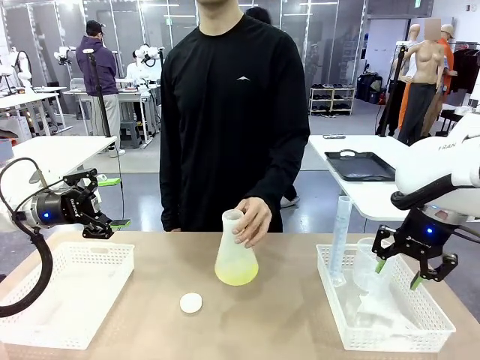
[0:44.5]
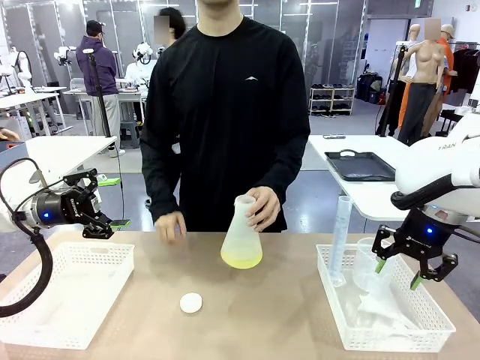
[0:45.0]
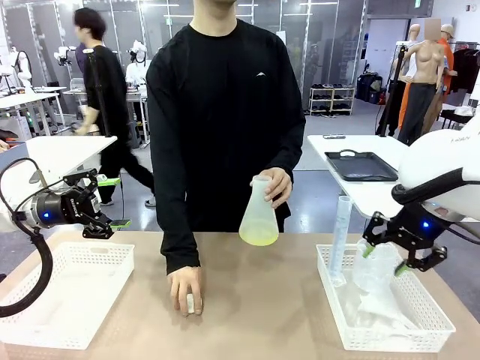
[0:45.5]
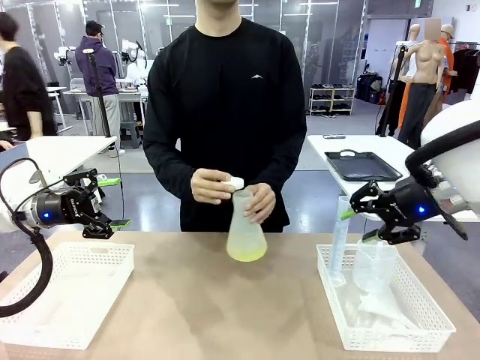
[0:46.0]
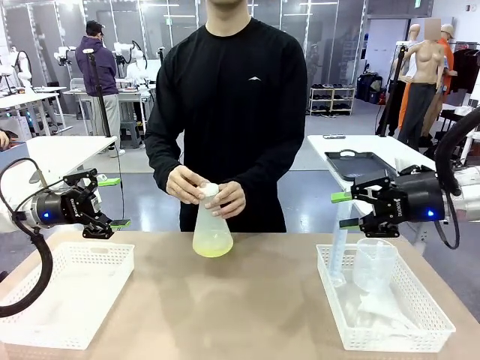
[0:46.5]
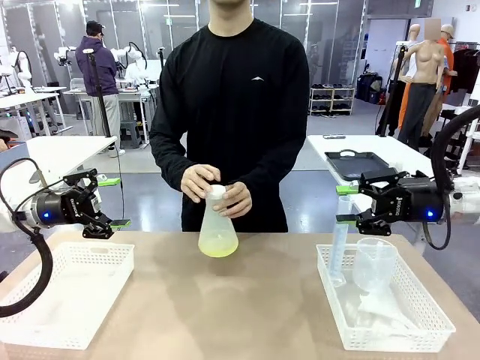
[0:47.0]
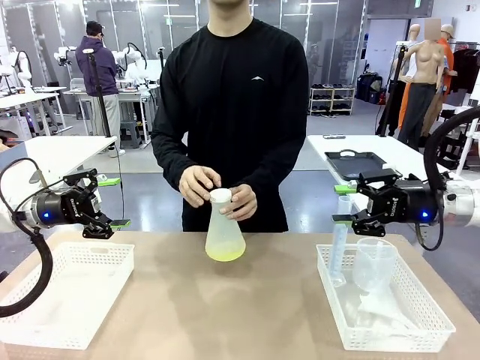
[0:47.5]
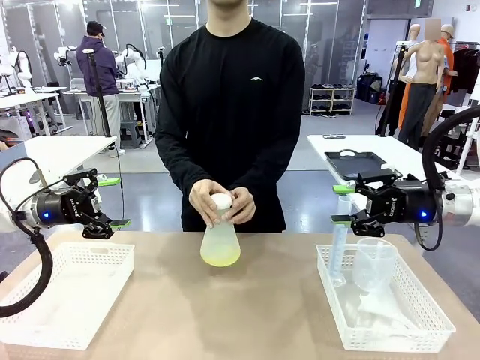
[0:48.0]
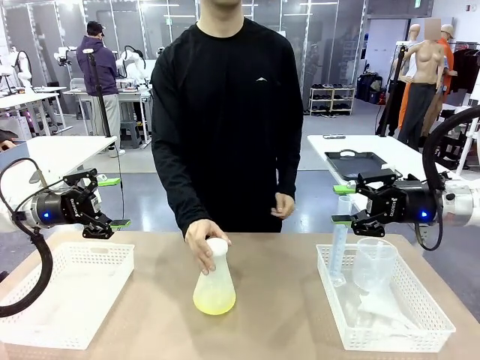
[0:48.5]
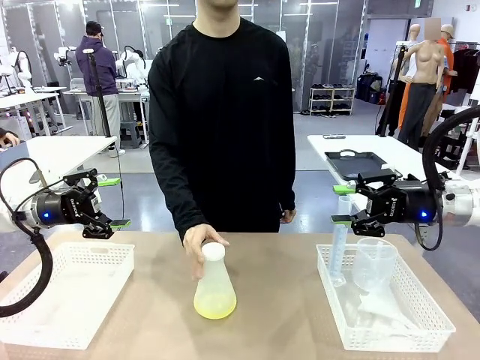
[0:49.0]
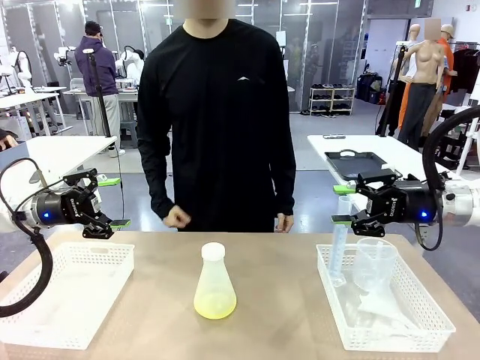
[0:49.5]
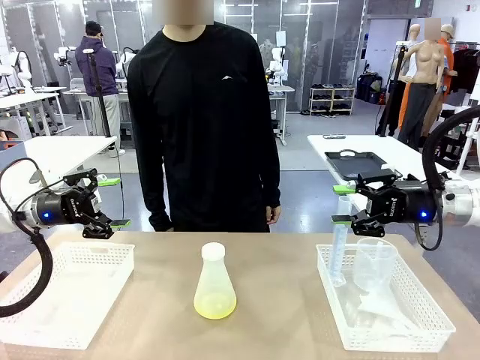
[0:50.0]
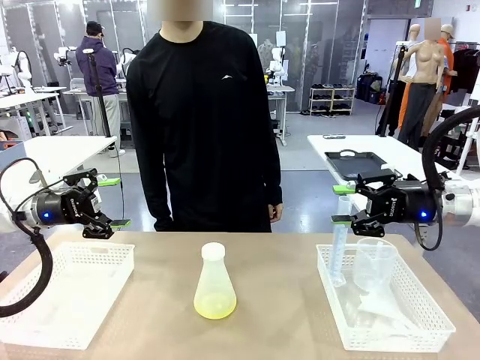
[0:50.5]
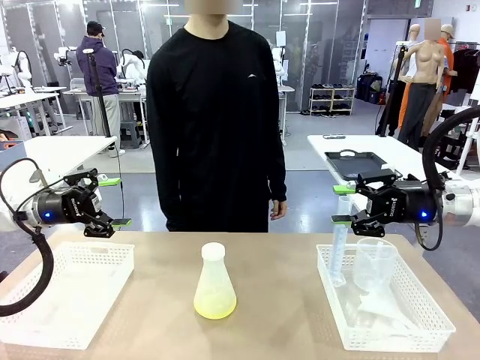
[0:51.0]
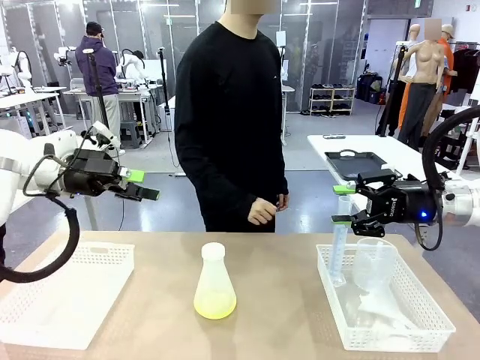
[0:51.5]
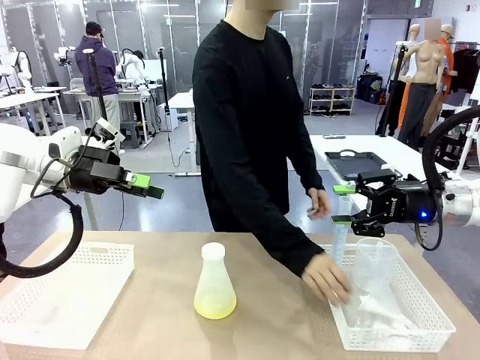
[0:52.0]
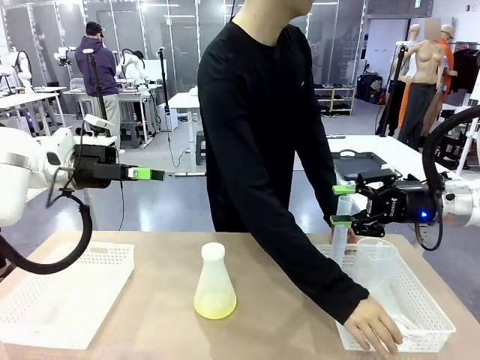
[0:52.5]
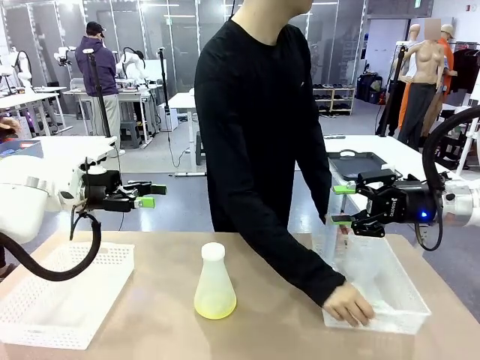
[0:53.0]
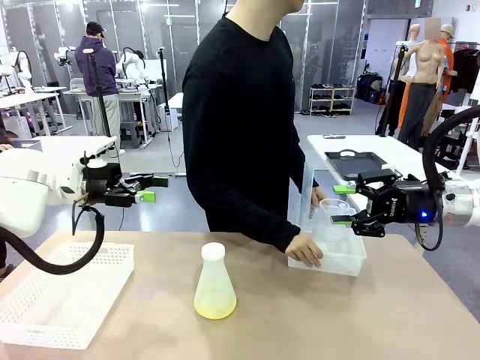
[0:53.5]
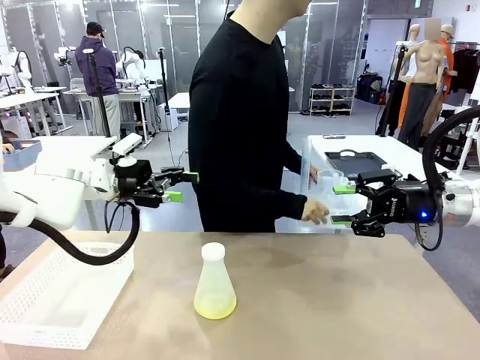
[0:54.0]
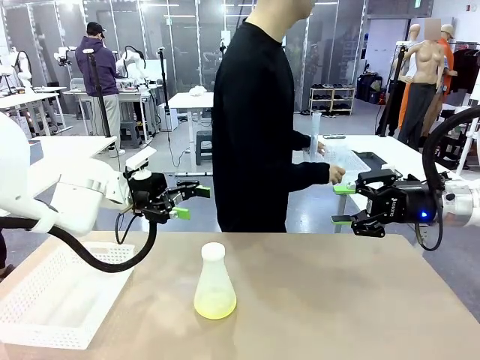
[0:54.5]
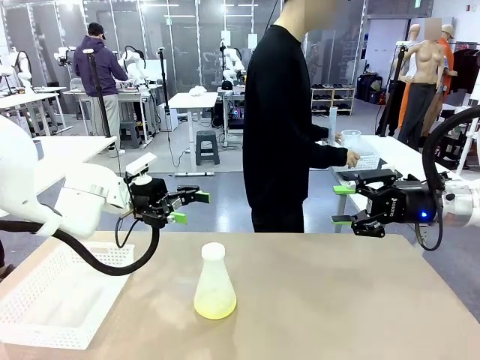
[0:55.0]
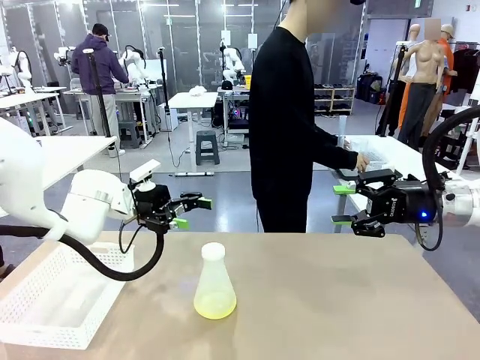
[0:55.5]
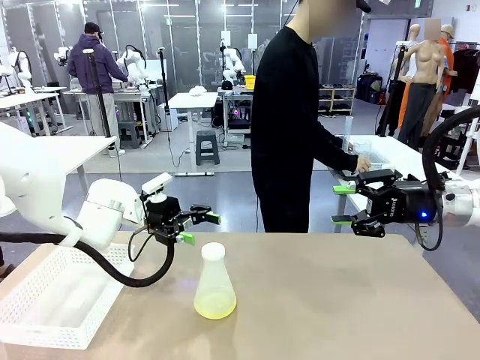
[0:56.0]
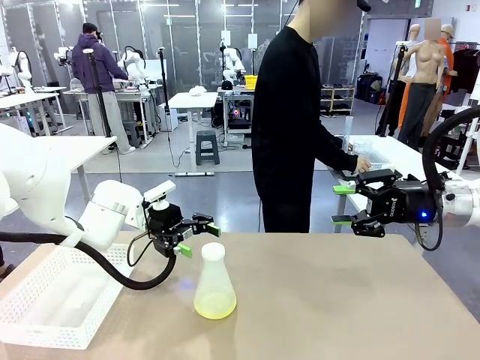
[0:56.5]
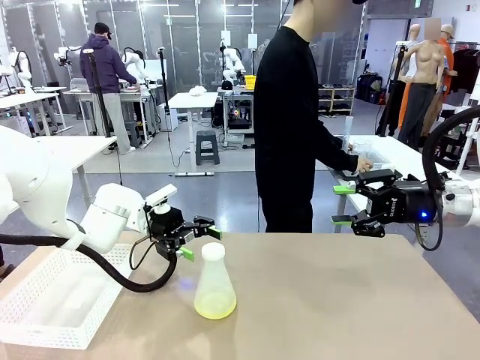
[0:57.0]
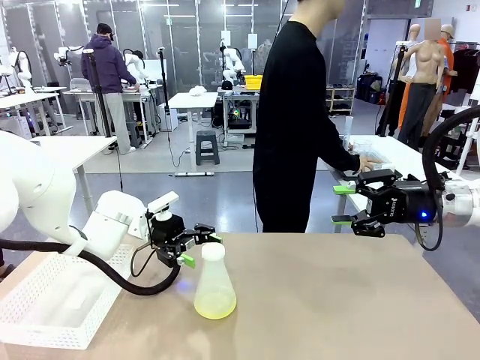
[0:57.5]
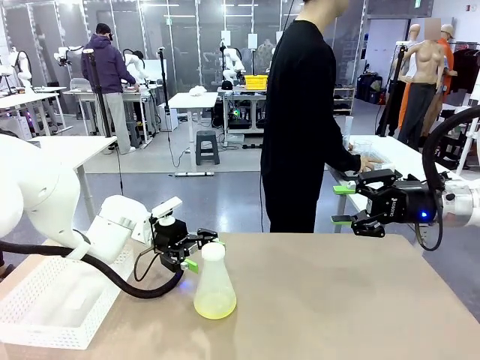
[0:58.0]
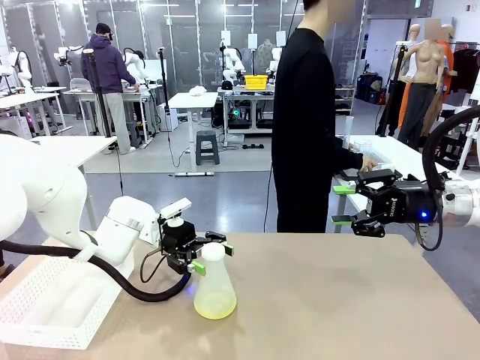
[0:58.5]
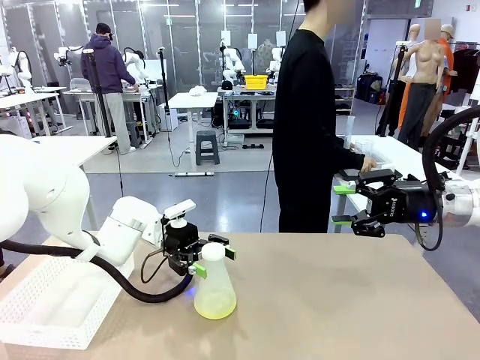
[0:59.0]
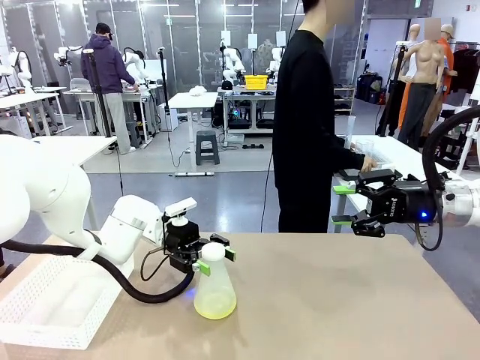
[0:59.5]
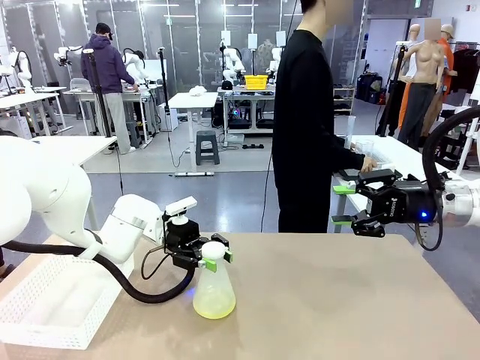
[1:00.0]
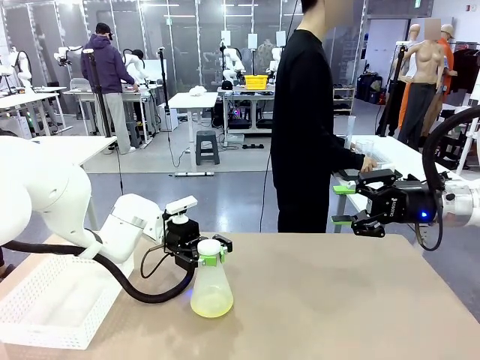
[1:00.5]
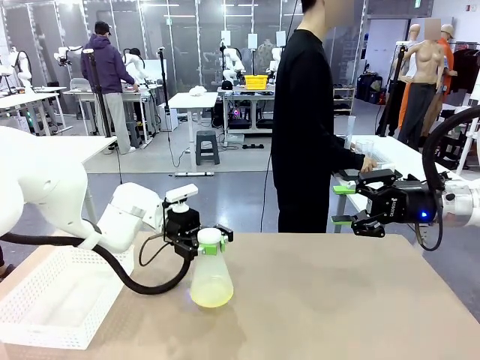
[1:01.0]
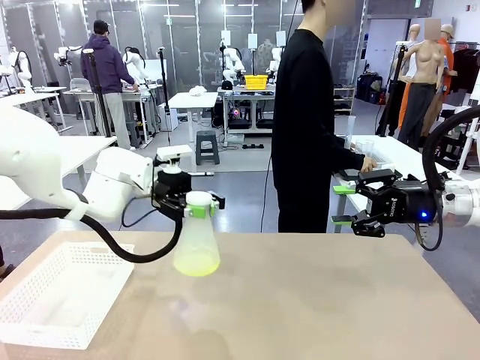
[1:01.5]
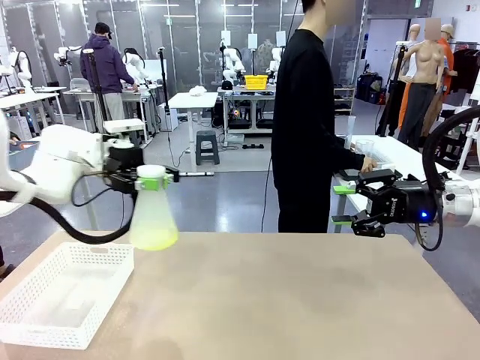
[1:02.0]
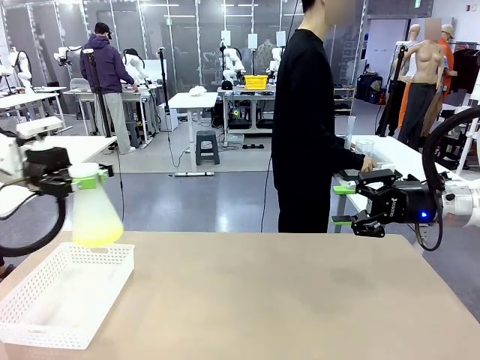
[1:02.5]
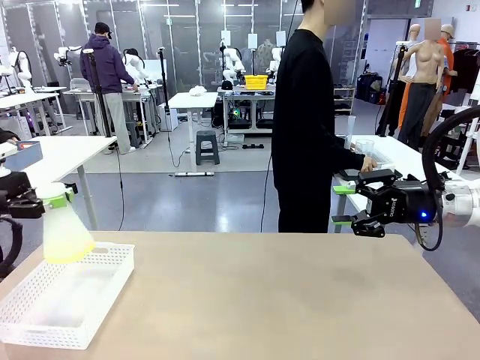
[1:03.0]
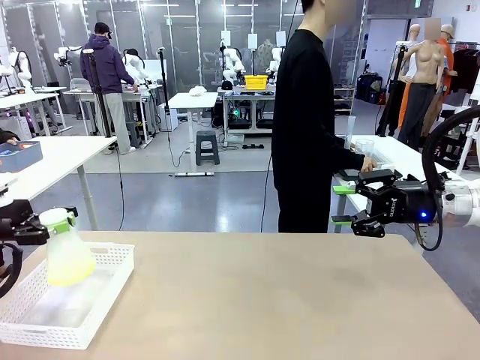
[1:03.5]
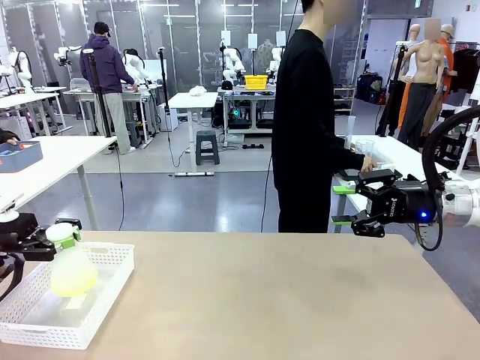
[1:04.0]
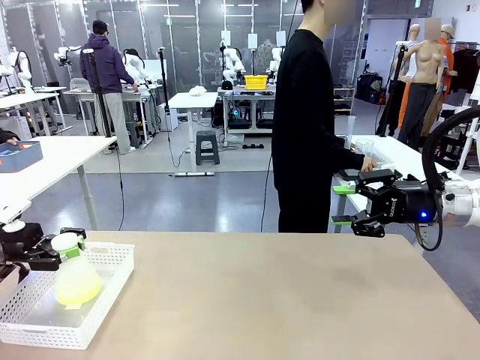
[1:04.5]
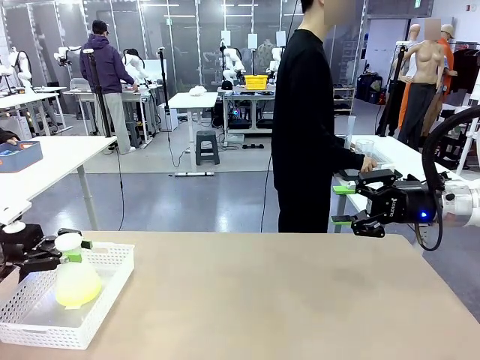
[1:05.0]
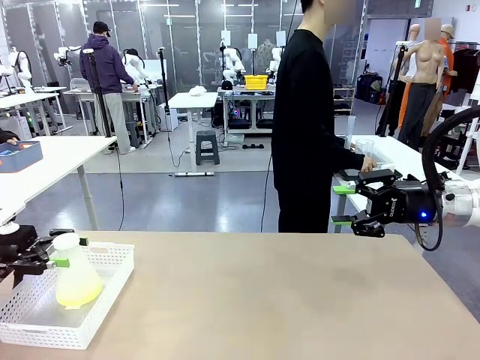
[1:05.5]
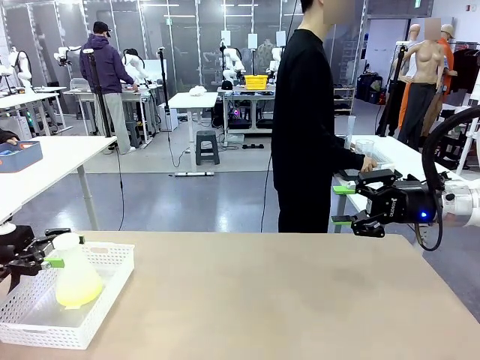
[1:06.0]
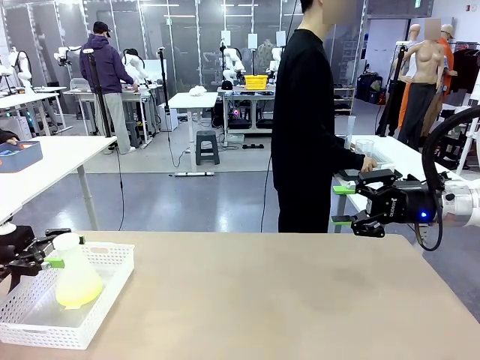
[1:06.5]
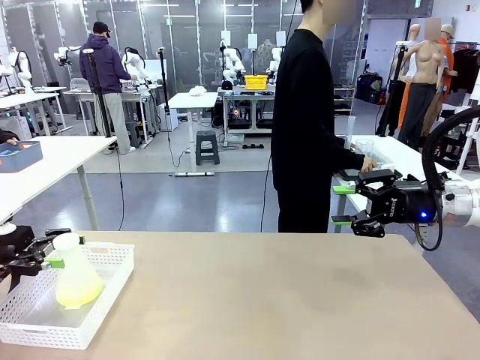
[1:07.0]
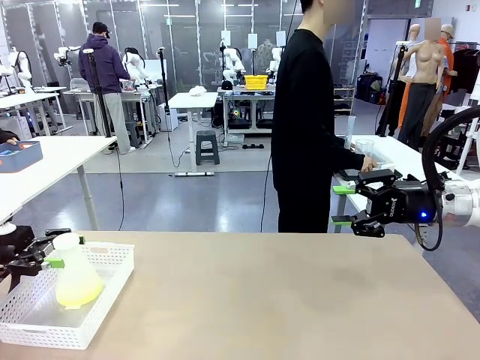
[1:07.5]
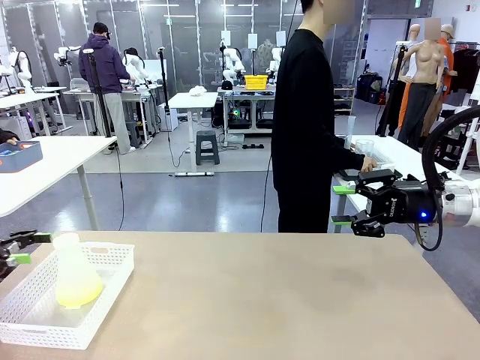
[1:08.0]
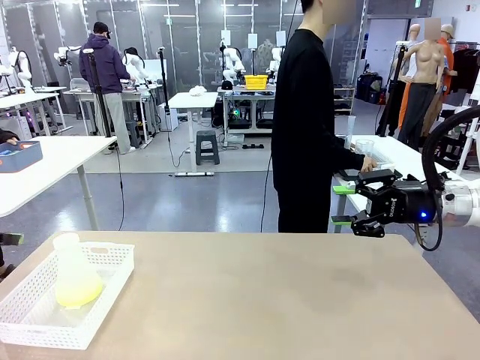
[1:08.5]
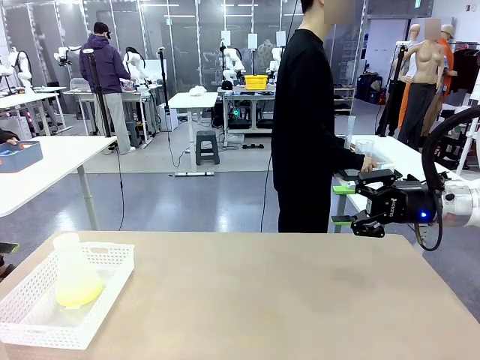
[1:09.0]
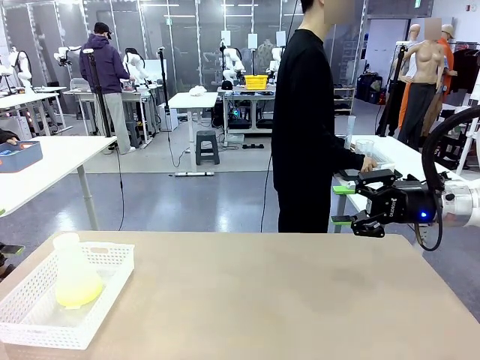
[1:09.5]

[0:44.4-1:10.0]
Task: Prepare the solutions needed for the experiment.
Robot: When the human places the Big flask in the center of the table, pick up the Big flask and place it in the left Organizing basket.
Person: Pick up the organizing basket on the left side of the robot table and place it on the left side of the human table.
